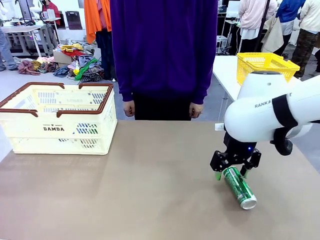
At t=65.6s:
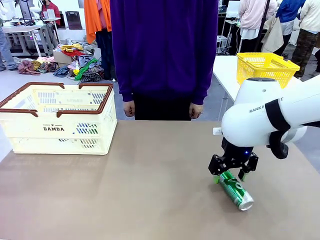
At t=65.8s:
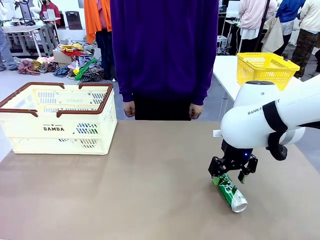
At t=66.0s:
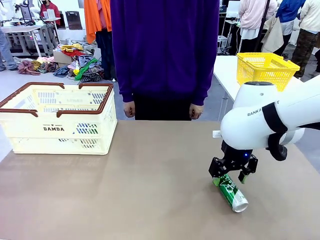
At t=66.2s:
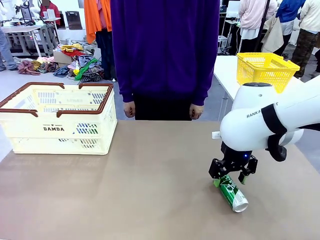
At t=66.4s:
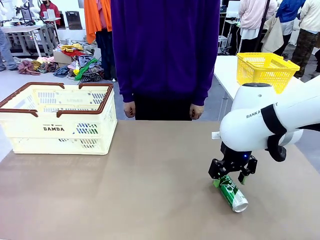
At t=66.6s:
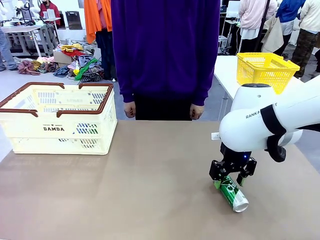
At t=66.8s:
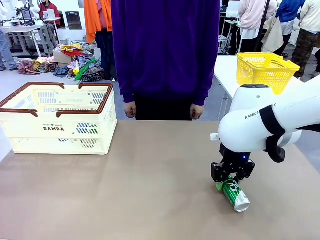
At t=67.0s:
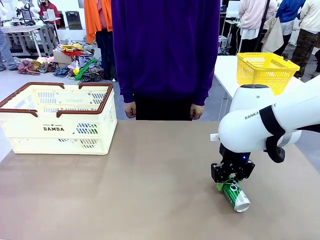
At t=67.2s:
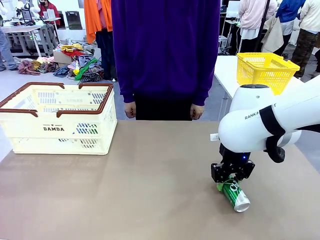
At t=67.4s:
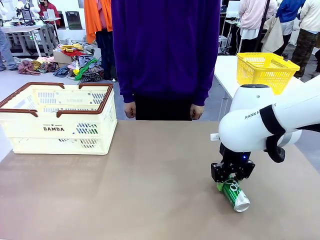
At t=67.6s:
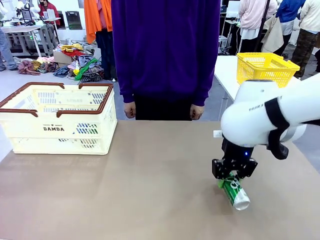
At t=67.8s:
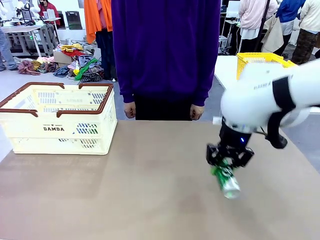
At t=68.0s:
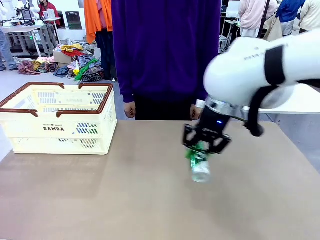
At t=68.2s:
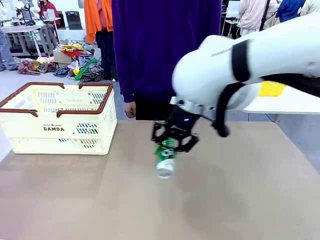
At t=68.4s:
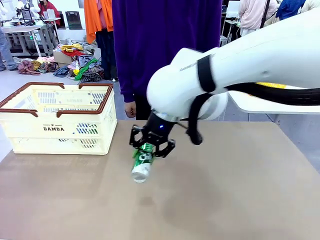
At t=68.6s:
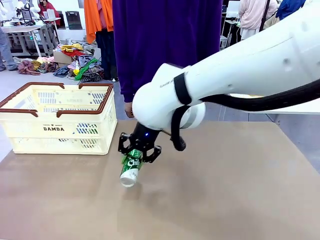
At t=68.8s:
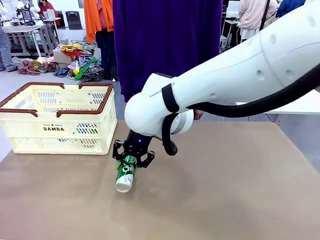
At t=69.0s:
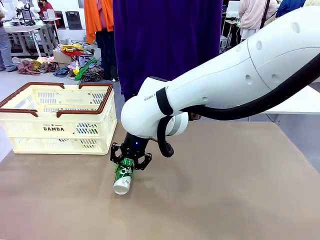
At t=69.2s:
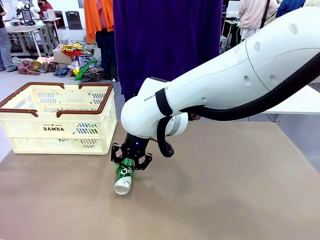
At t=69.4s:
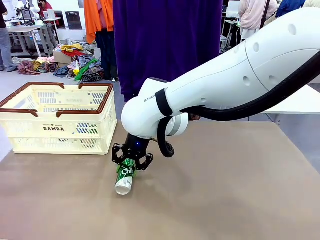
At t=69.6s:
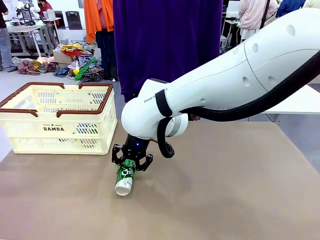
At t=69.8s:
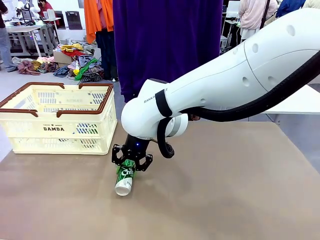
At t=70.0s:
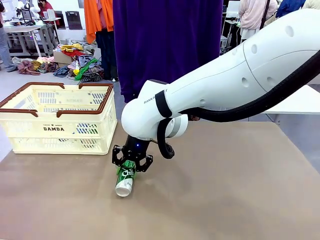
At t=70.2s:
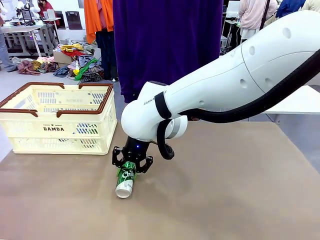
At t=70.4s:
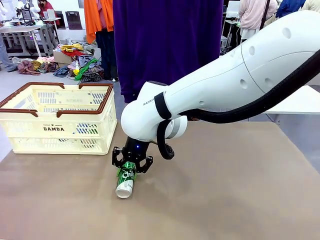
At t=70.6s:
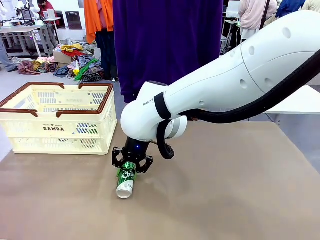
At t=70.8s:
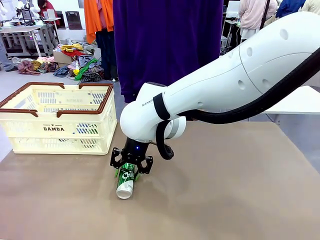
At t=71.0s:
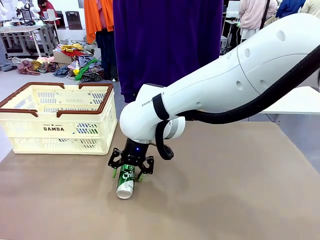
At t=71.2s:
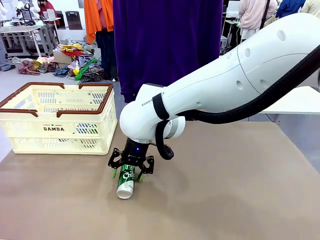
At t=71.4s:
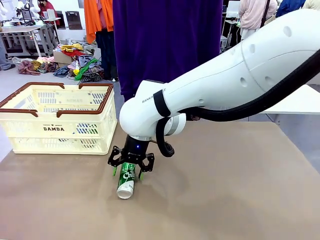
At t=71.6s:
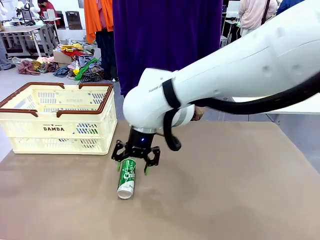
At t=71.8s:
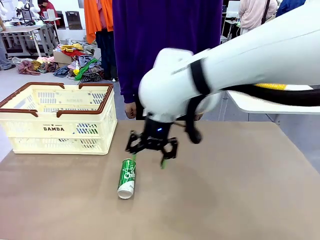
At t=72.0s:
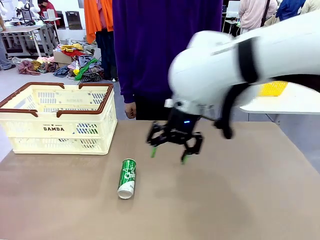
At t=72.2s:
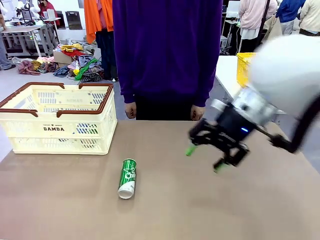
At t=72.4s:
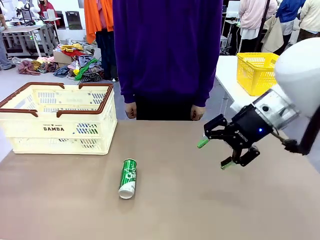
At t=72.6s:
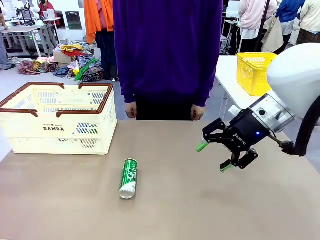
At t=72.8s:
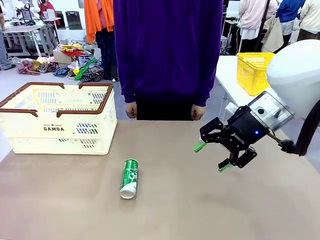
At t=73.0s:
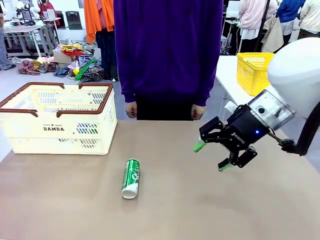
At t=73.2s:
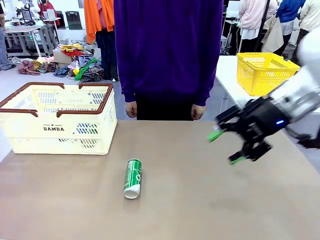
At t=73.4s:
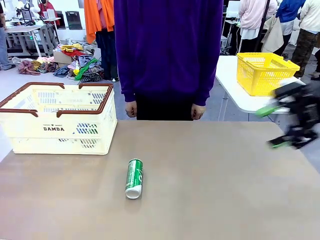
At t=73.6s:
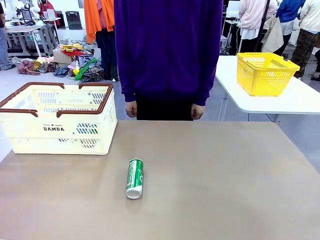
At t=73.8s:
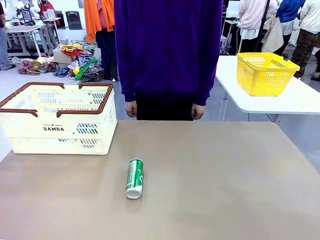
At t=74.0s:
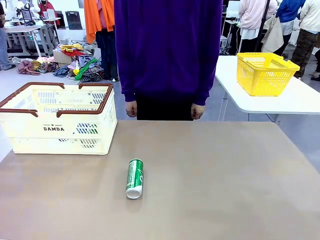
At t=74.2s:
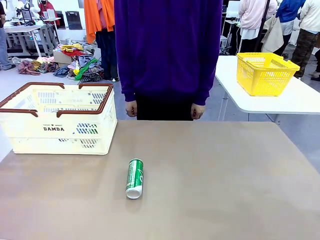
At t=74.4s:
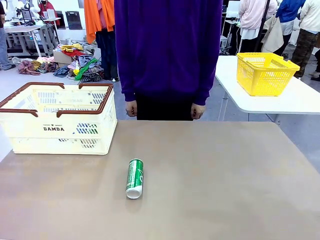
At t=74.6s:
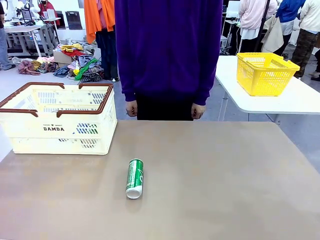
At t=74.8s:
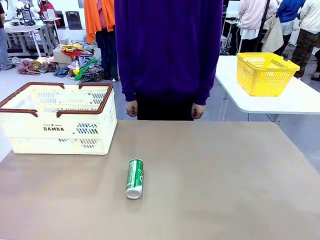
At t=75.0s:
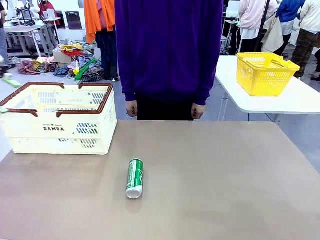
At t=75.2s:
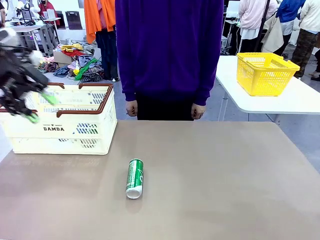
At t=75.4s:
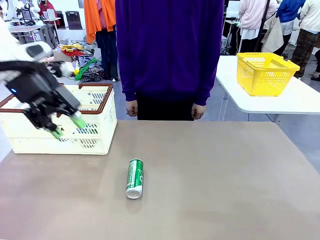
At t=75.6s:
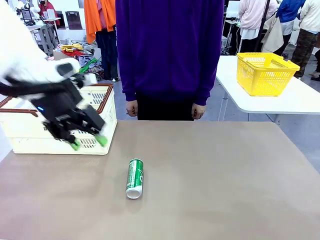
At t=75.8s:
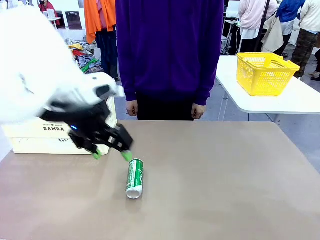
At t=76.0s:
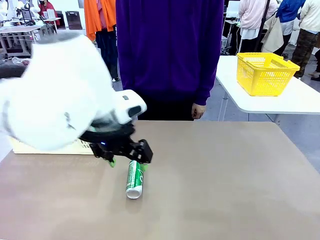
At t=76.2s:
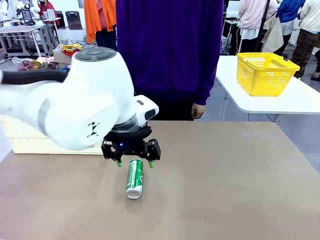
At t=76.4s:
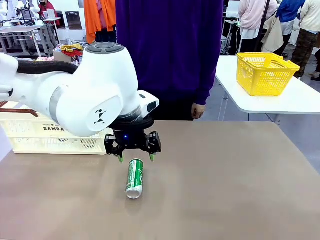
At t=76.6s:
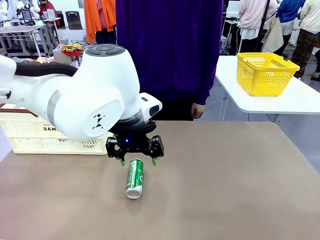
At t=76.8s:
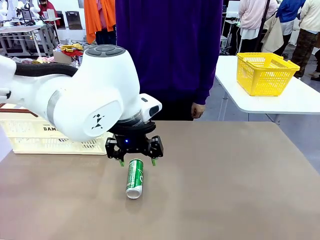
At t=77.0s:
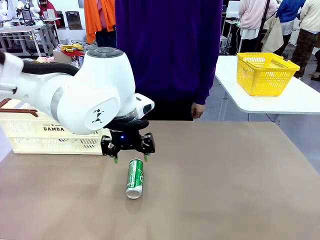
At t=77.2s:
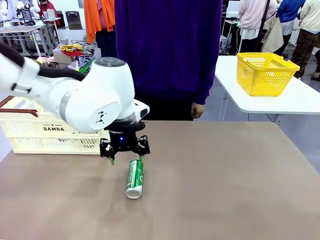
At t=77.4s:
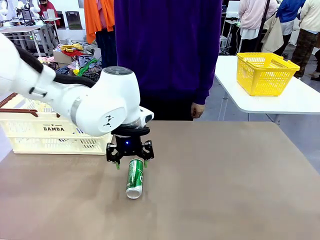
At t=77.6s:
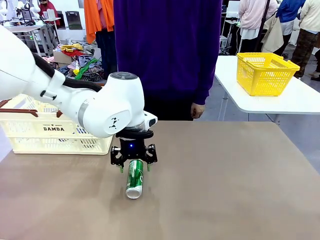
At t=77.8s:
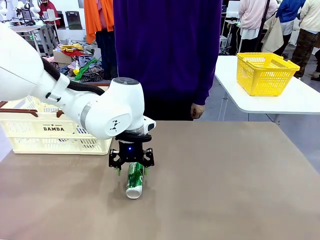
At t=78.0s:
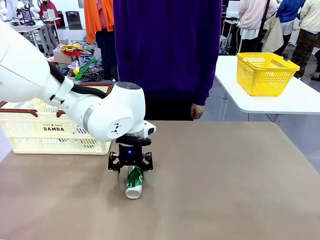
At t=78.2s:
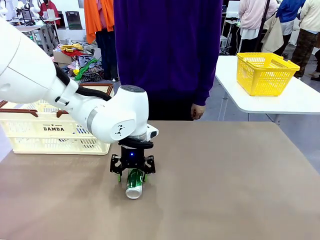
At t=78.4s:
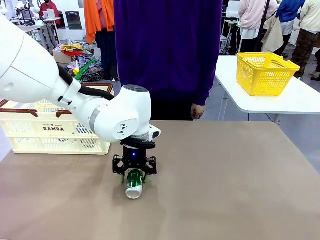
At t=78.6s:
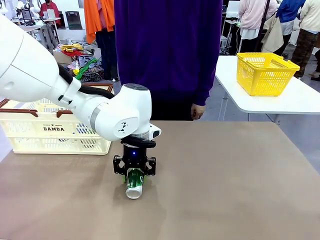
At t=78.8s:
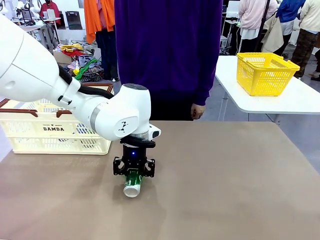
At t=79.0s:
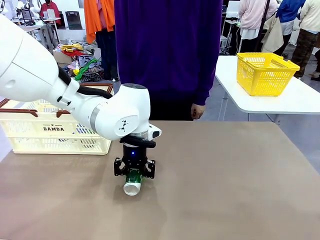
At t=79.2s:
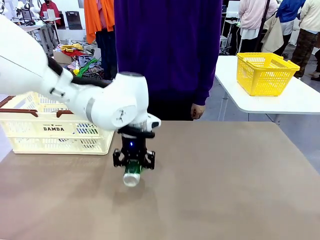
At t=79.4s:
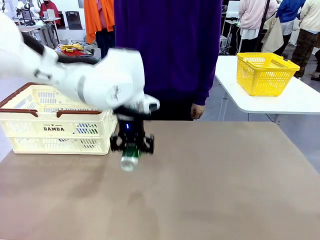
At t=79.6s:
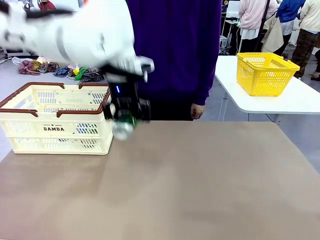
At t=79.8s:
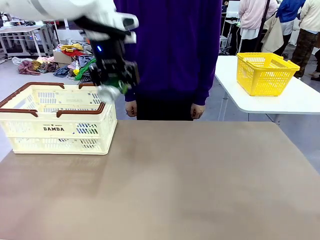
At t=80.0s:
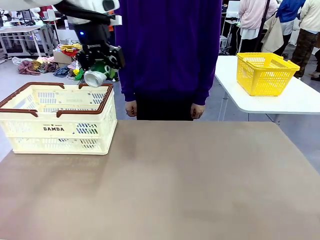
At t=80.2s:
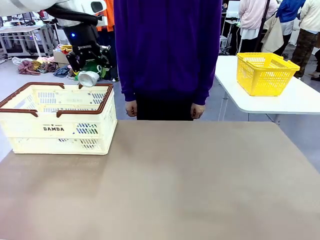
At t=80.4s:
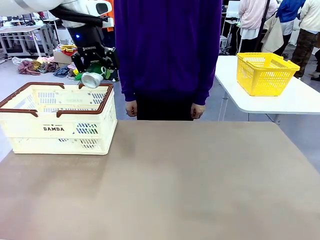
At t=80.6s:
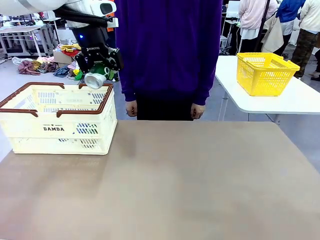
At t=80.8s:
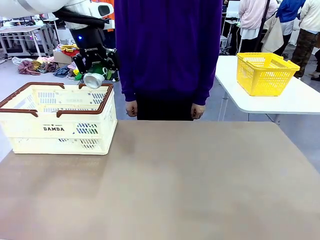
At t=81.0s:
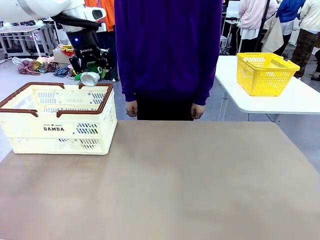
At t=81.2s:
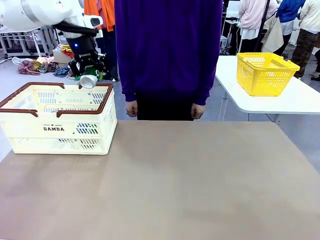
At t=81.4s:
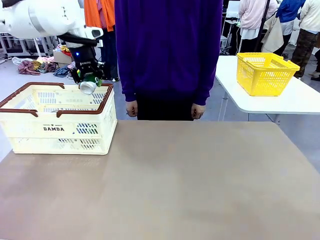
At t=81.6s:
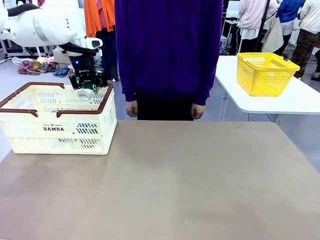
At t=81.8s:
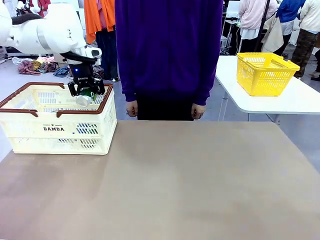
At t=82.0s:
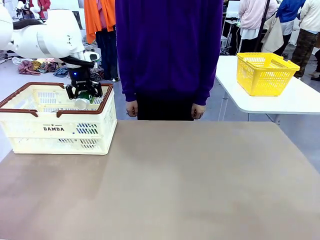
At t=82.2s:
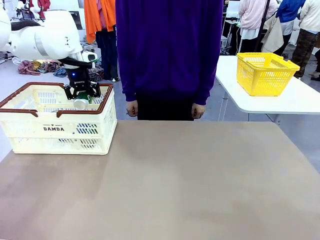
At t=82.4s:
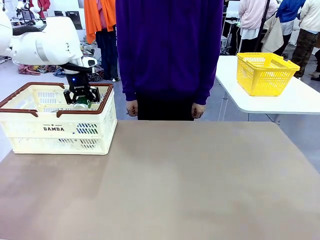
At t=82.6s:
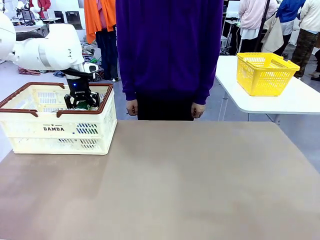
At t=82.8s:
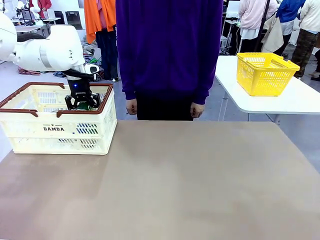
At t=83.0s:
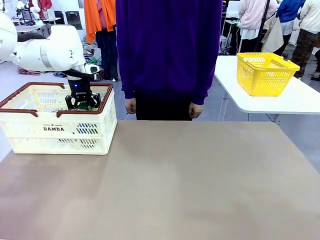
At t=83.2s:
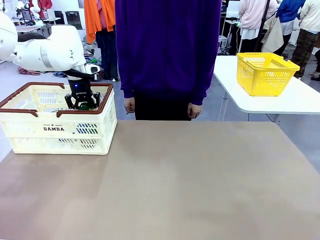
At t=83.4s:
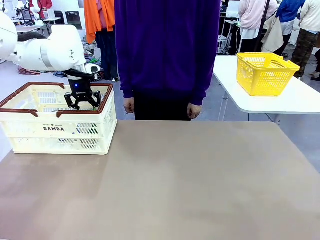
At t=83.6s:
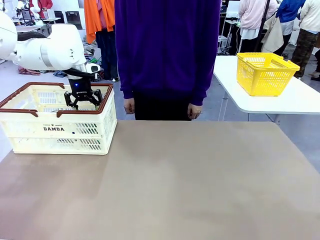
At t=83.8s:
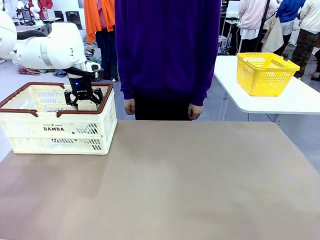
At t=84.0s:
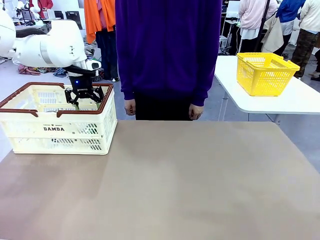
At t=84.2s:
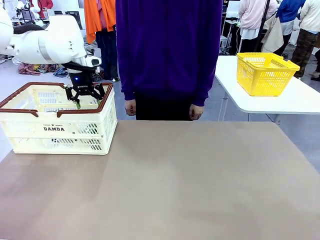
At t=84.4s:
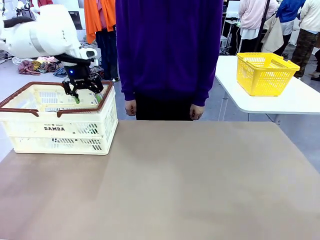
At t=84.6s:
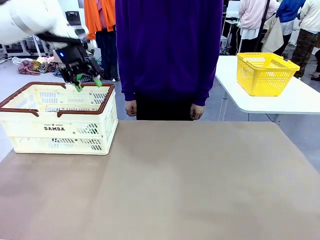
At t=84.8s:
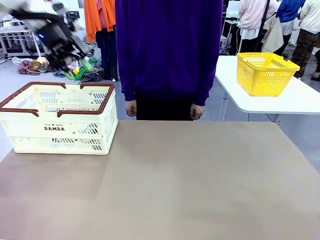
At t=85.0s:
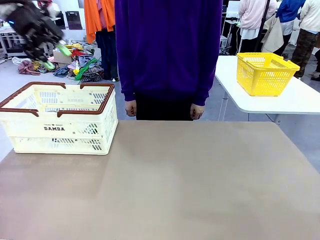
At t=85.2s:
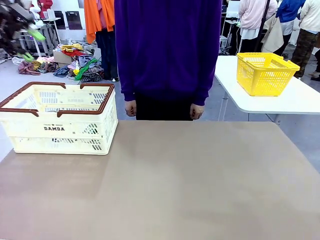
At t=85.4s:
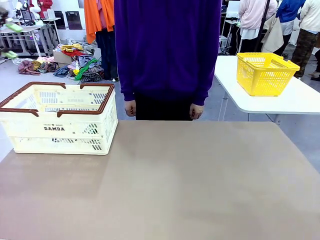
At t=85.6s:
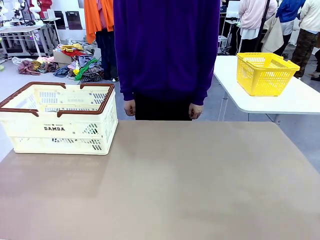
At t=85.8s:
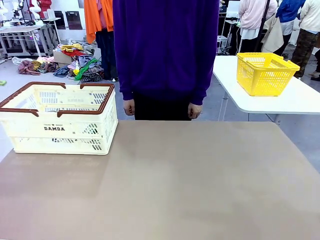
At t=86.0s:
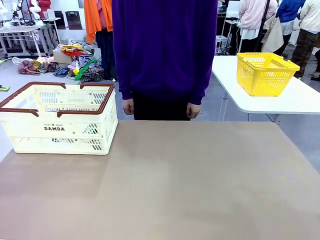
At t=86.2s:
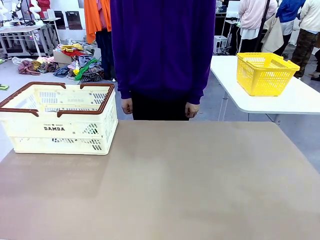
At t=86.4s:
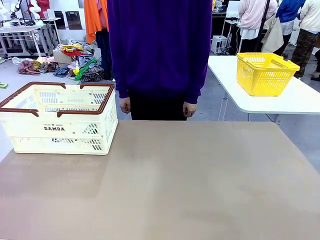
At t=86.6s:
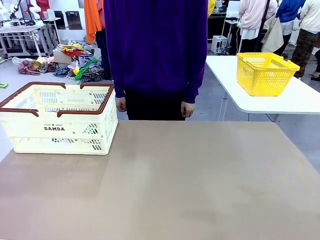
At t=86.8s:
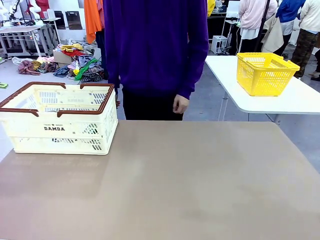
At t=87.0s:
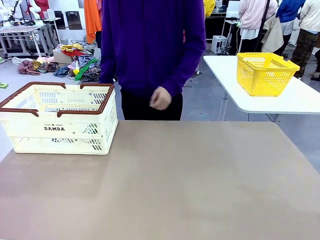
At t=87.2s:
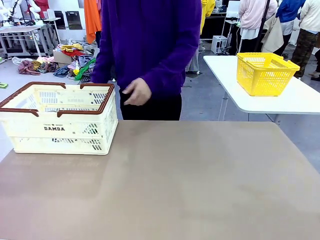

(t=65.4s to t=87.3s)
Task: Place the drinks into the Shopping basket.
Robot: Pick up one drink and place it into the Shopping basket.
